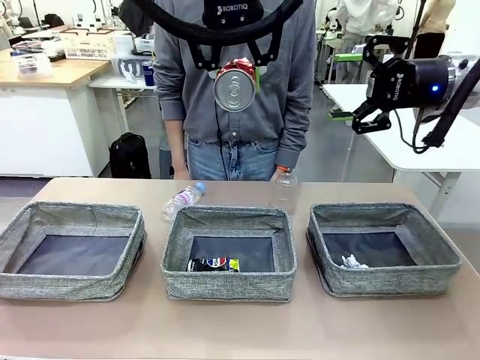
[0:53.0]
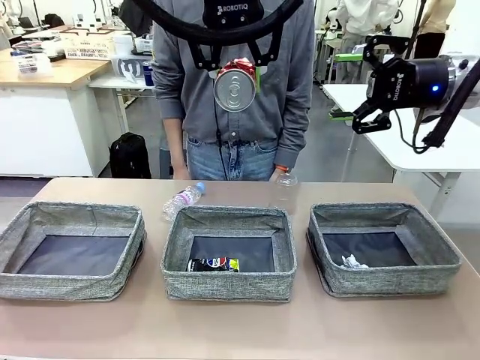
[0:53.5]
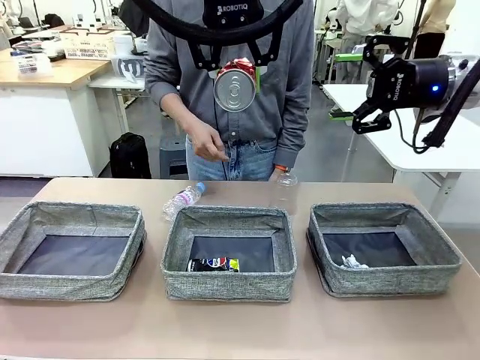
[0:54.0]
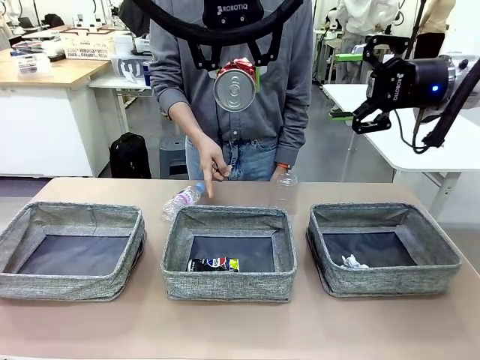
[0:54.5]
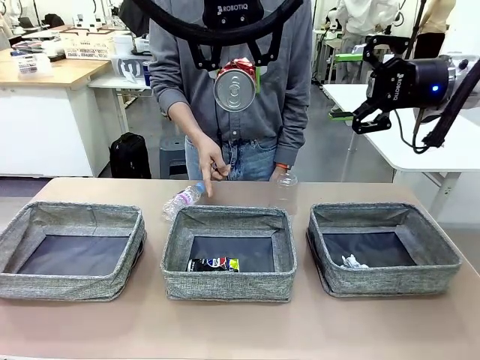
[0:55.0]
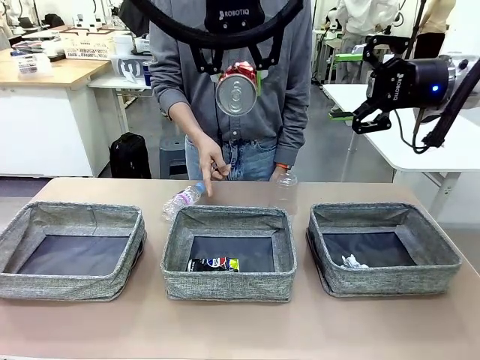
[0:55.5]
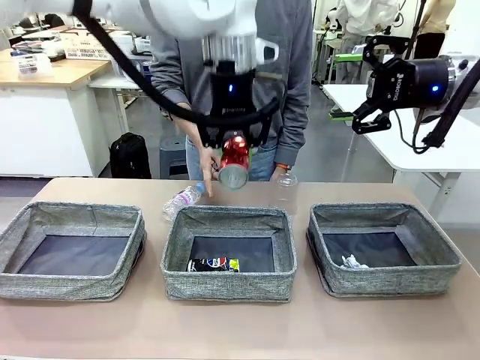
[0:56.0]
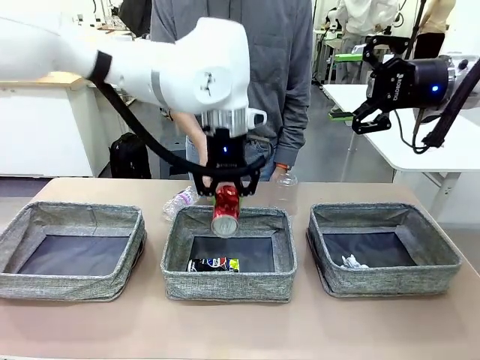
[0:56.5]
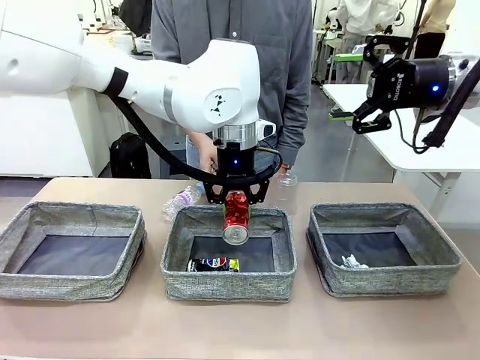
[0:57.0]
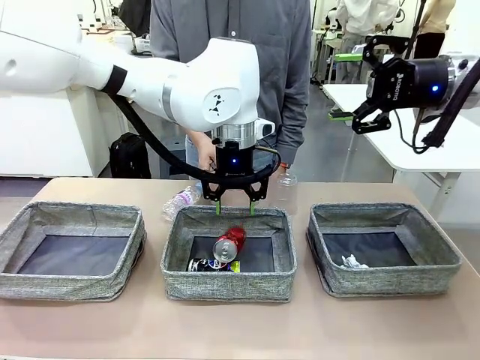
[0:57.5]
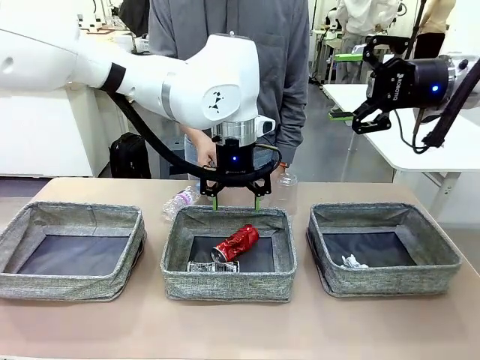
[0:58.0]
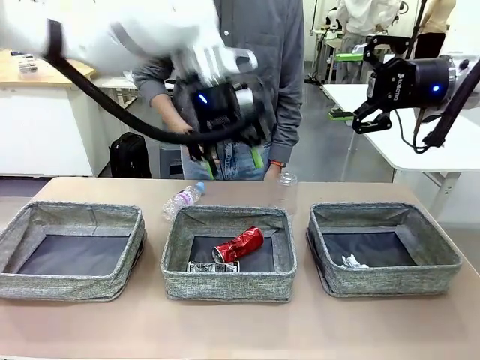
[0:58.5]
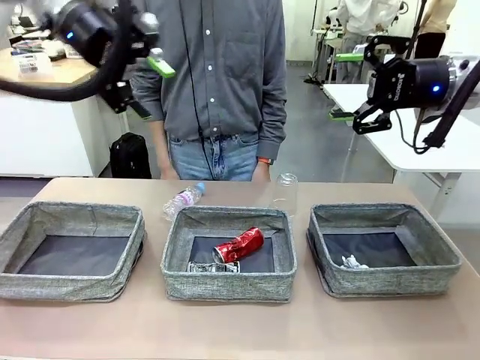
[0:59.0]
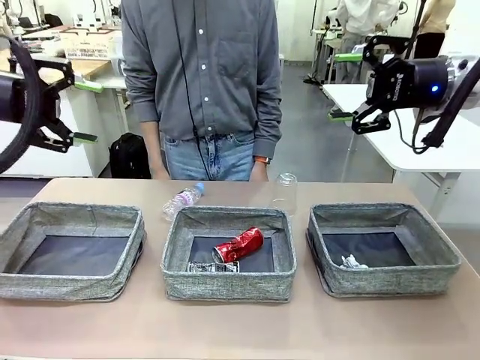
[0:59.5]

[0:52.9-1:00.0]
Task: Sort the waste into the appropriate baskets.
Robot: Place the picked waste into the Fabric basket indicated by the person.
Person: Instructs the robot to place the picked-up trash into the appropriate organizing basket.

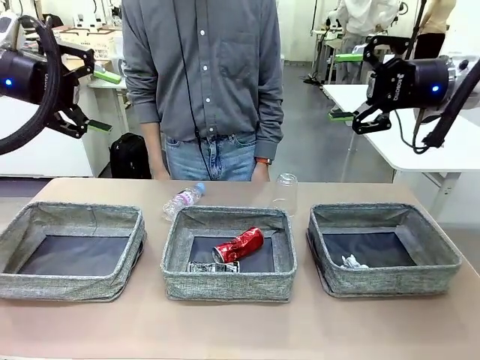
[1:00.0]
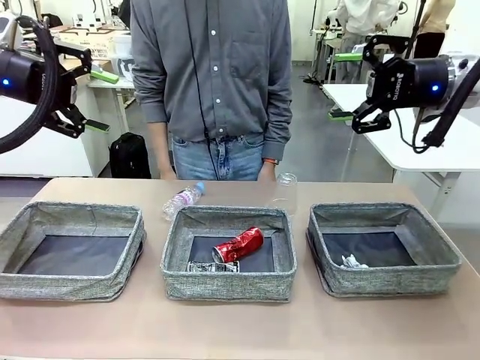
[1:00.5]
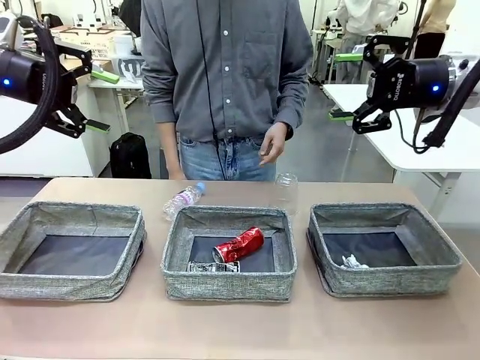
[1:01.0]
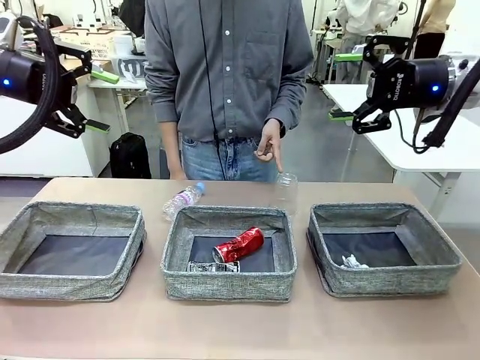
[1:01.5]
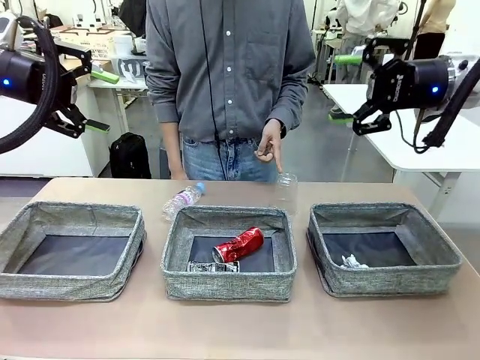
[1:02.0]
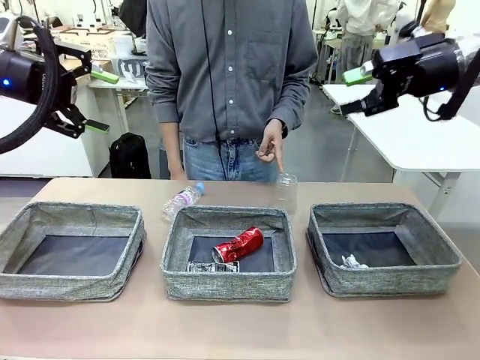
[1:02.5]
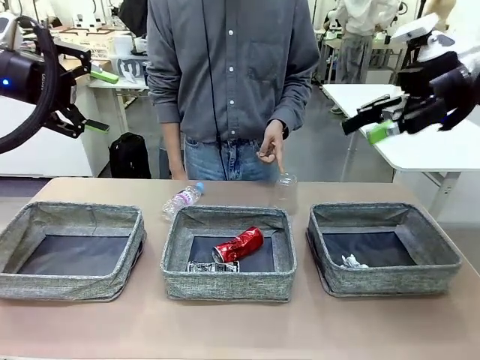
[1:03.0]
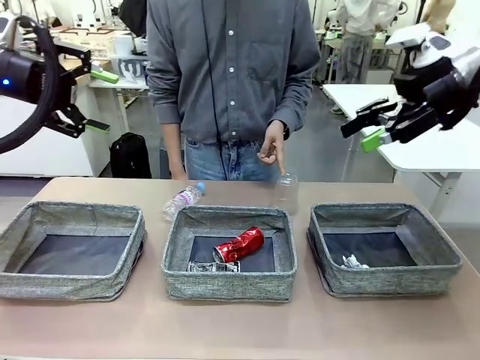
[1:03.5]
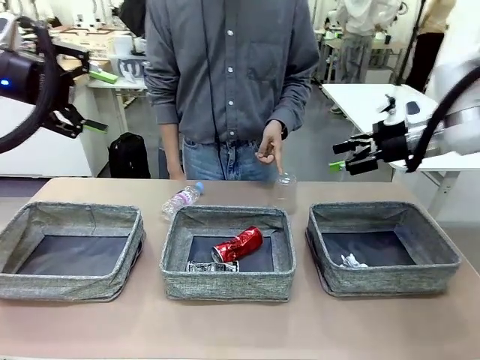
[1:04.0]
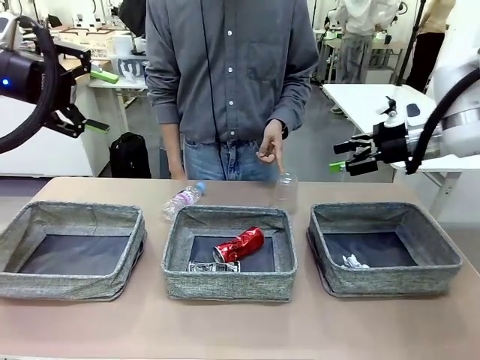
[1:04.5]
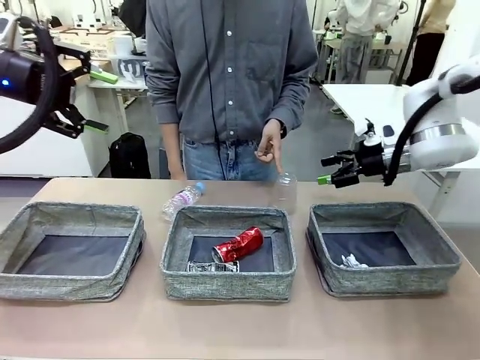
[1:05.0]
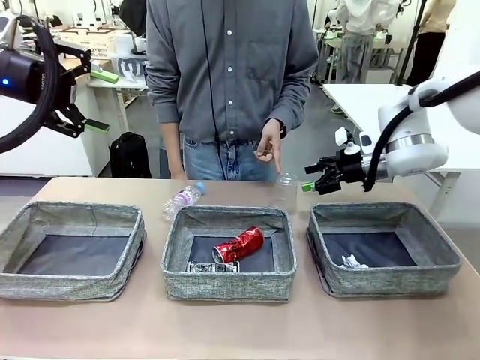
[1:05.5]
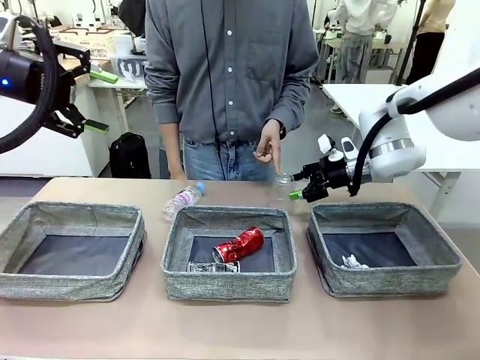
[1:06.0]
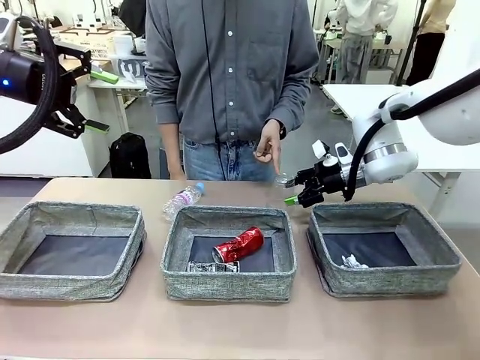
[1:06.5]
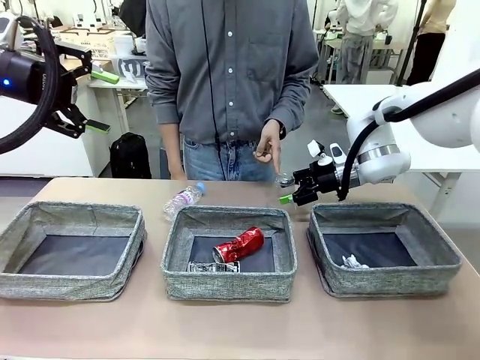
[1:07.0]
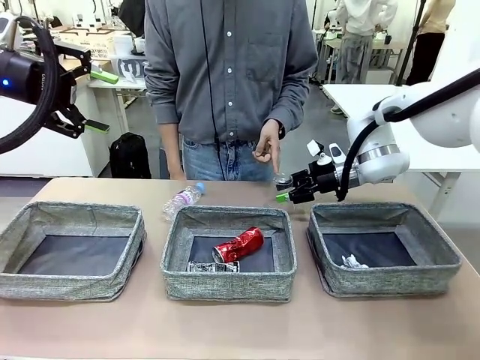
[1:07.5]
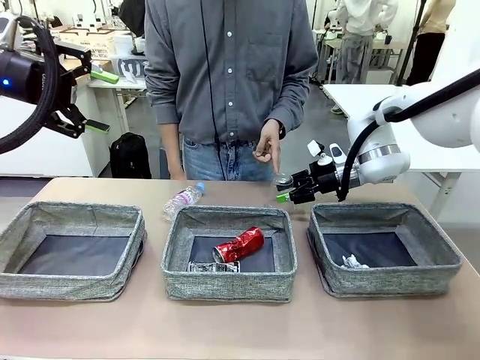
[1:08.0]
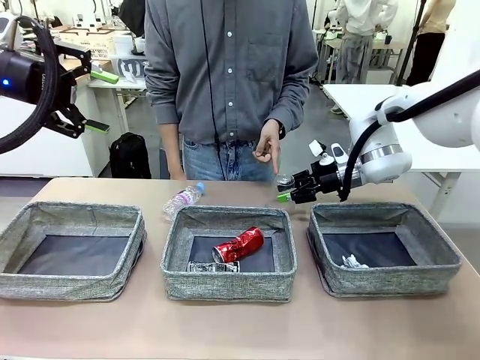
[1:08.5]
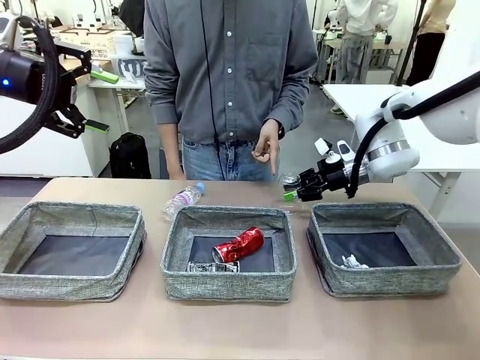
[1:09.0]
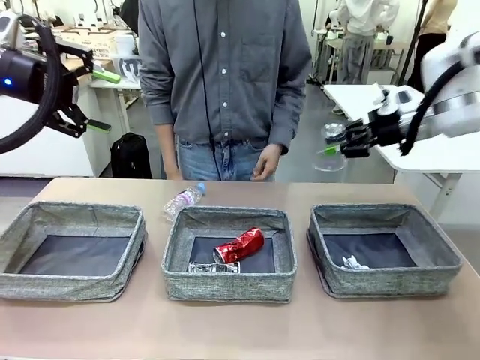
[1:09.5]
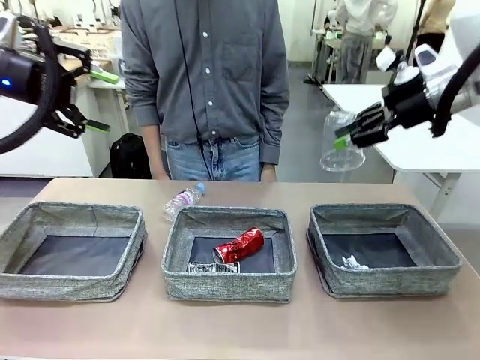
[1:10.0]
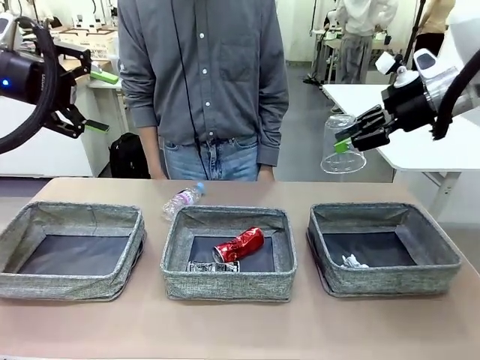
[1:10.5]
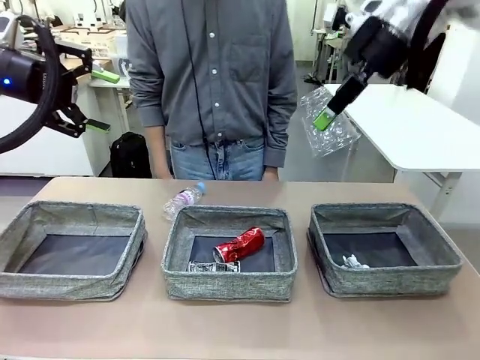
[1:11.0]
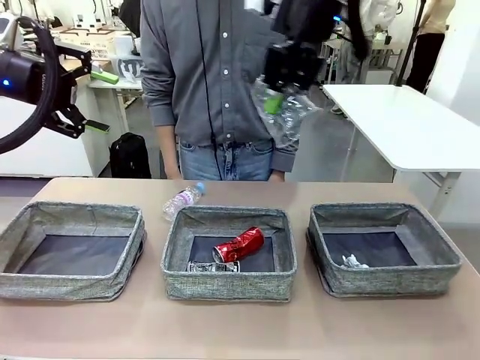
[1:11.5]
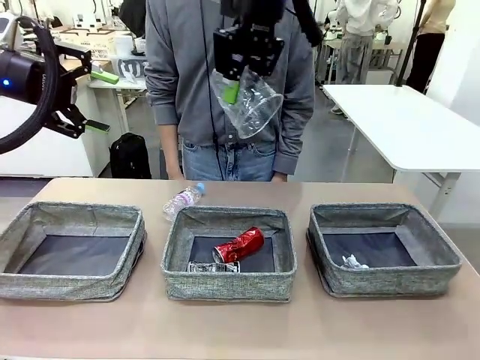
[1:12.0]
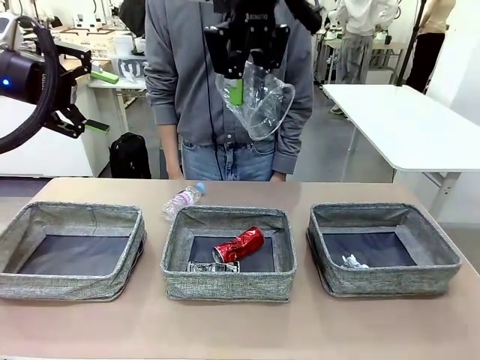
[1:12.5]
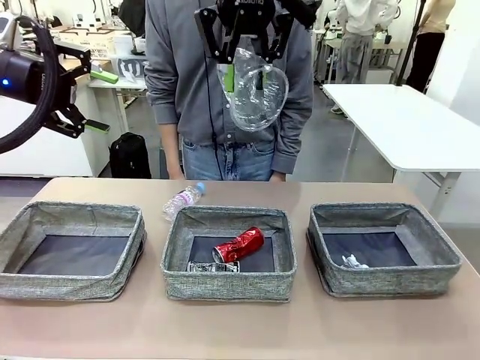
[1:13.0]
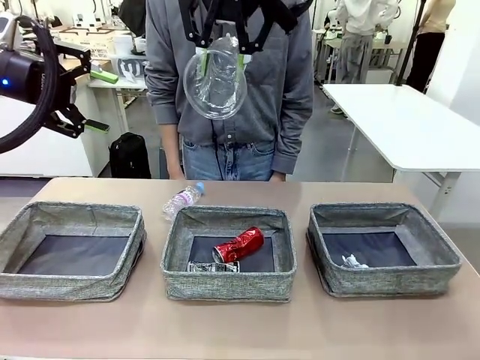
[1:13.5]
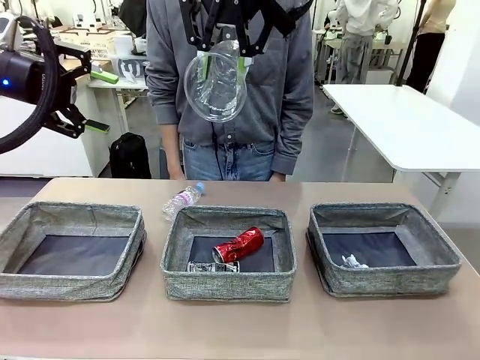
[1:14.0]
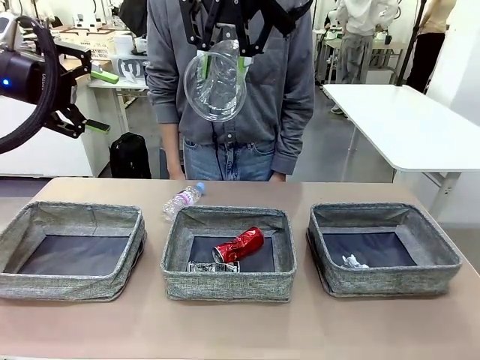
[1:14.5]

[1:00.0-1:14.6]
Robot: Pick up the waste item pointed out by the person.
Person: Points to one piece of trash on the table.

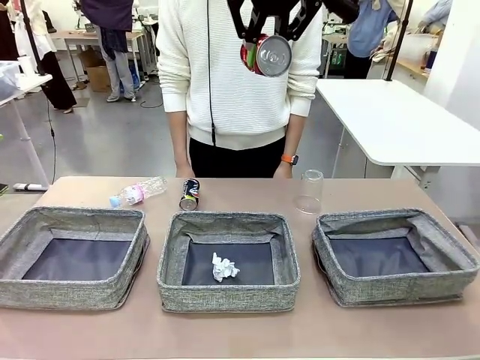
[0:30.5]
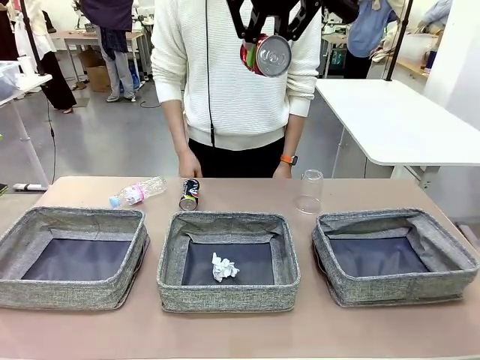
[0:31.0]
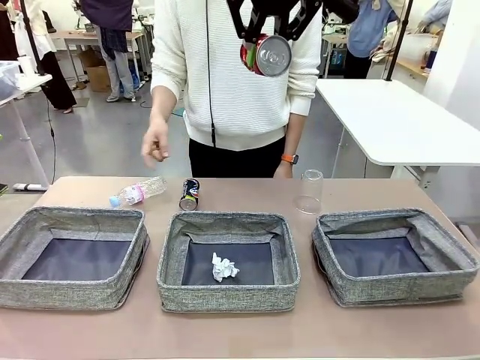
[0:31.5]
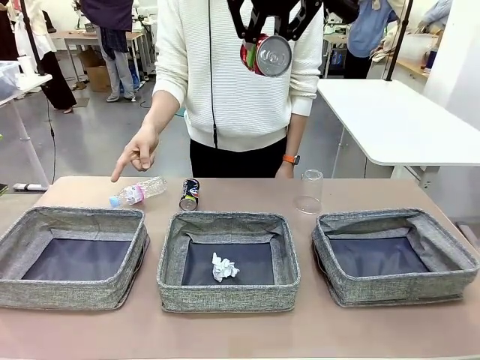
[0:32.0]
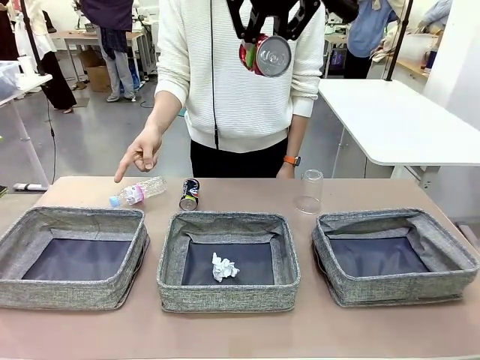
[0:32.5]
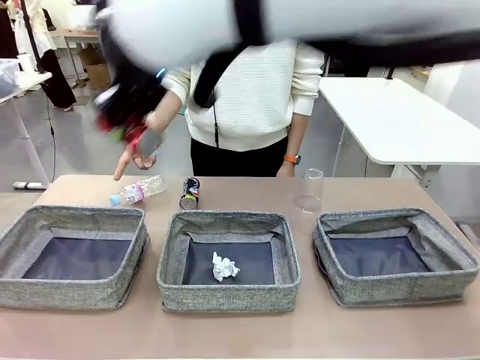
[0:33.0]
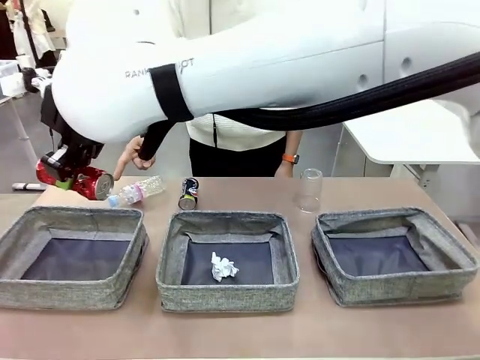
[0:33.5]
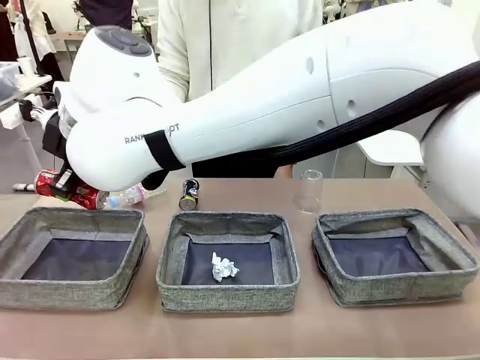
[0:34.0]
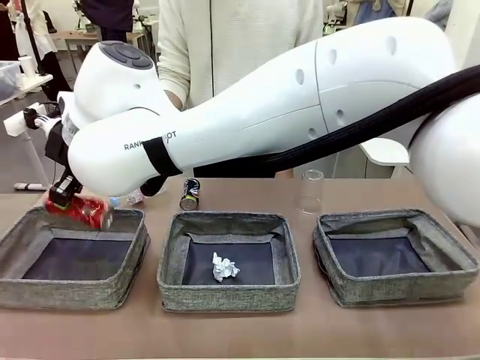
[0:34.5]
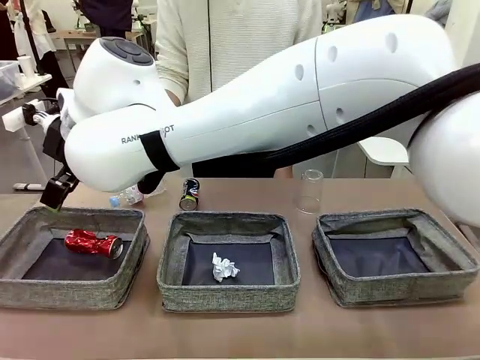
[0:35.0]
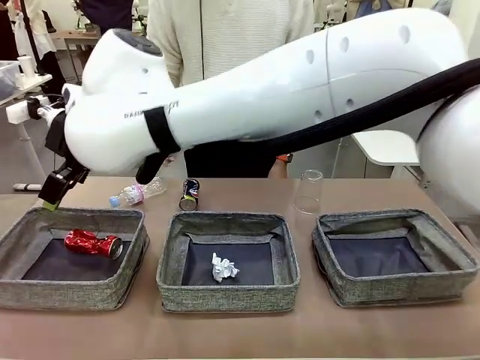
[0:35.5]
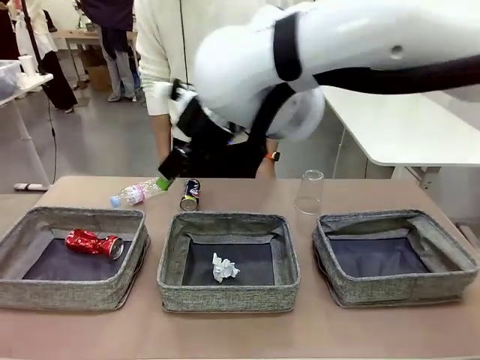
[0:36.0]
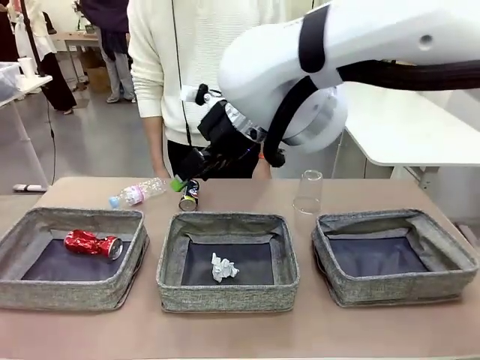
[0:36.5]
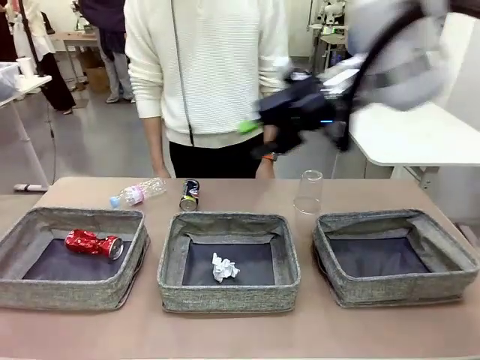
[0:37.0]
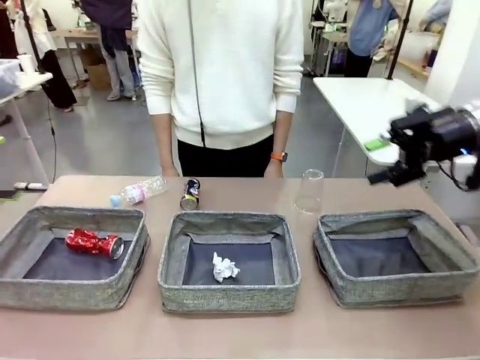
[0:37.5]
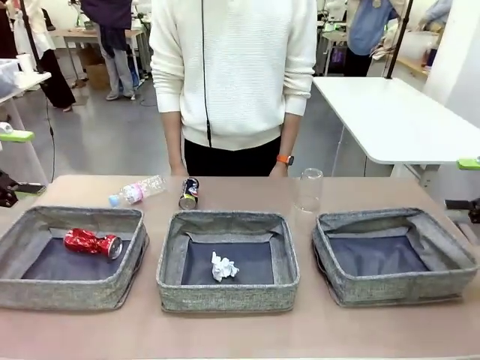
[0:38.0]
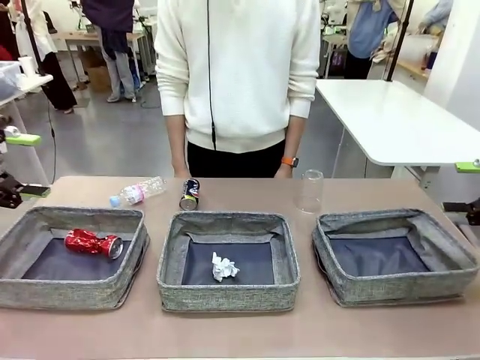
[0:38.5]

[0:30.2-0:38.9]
Task: Sort the waste into the appropriate baskets.
Robot: Place the picked waste into the Fabric basket indicated by the person.
Person: Instructs the robot to place the picked-up trash into the appropriate organizing basket.
